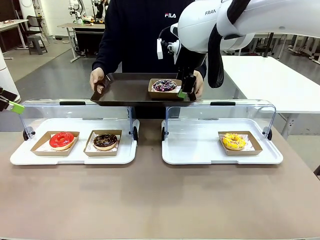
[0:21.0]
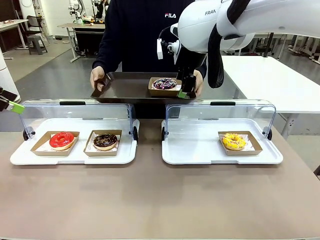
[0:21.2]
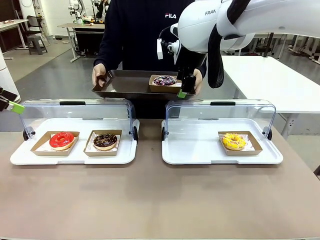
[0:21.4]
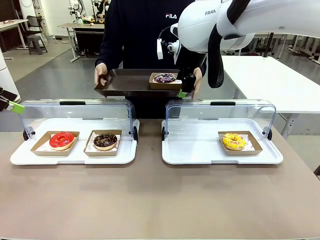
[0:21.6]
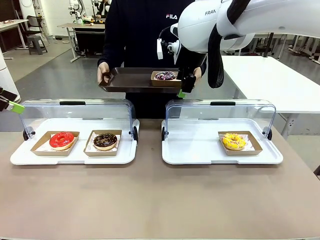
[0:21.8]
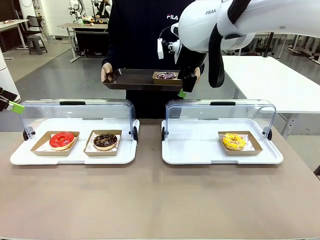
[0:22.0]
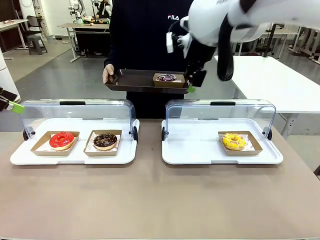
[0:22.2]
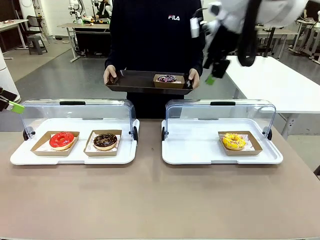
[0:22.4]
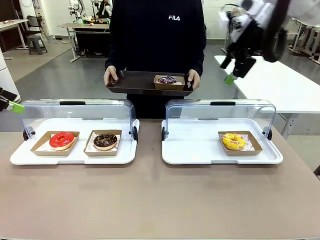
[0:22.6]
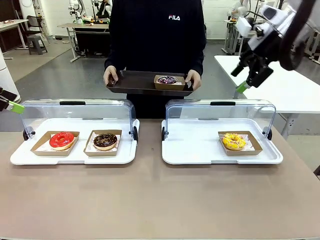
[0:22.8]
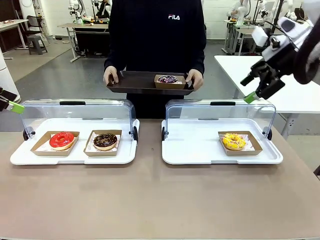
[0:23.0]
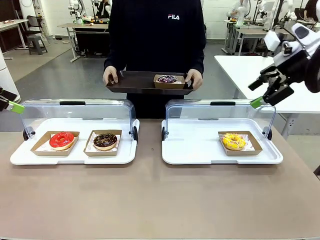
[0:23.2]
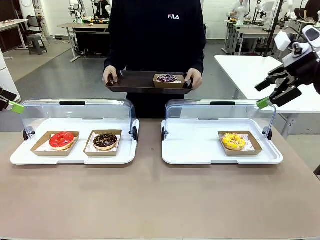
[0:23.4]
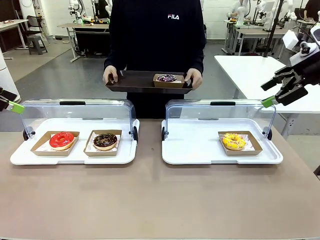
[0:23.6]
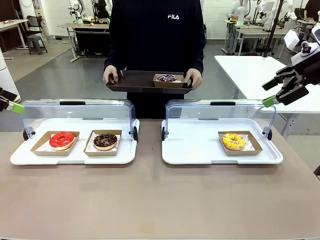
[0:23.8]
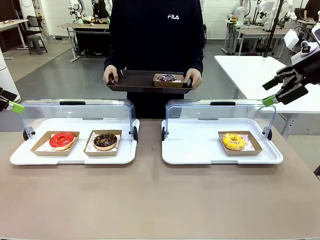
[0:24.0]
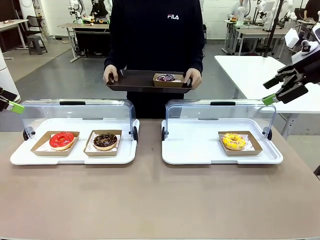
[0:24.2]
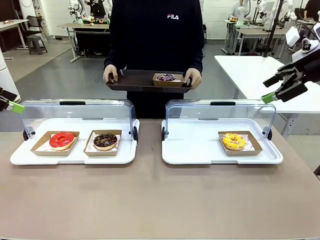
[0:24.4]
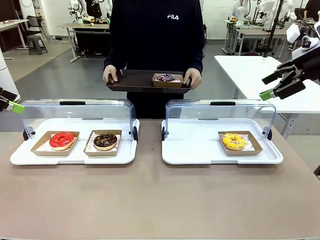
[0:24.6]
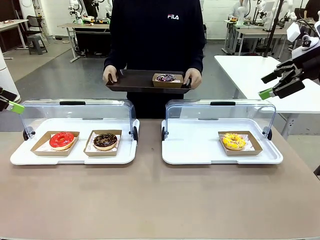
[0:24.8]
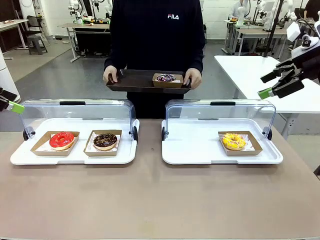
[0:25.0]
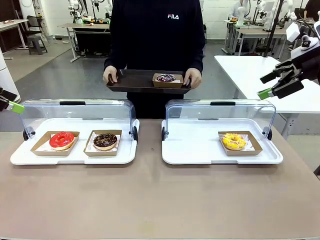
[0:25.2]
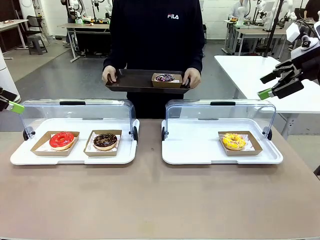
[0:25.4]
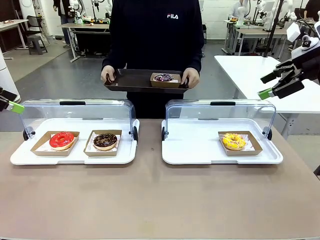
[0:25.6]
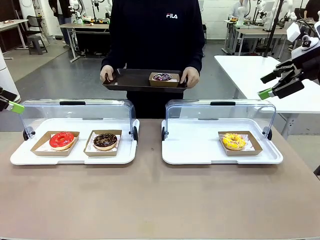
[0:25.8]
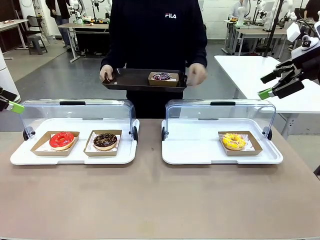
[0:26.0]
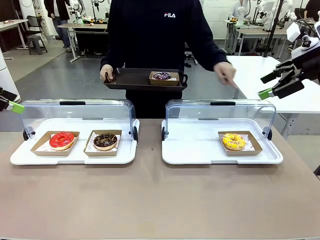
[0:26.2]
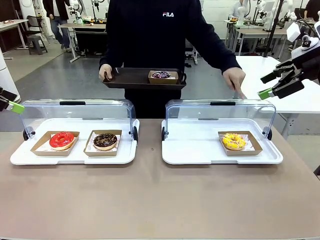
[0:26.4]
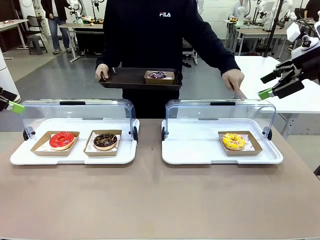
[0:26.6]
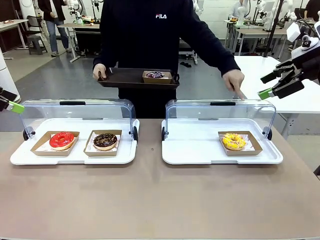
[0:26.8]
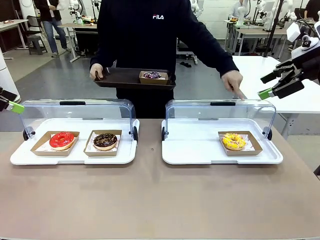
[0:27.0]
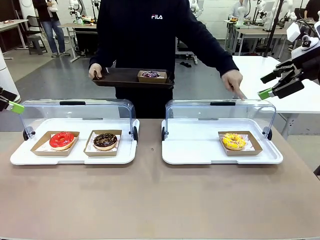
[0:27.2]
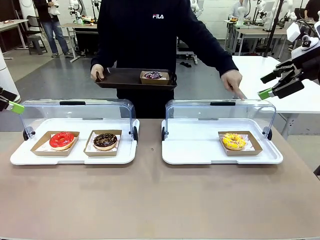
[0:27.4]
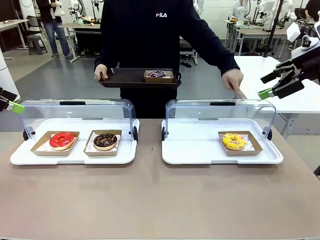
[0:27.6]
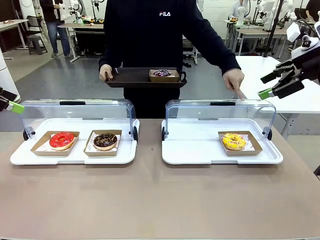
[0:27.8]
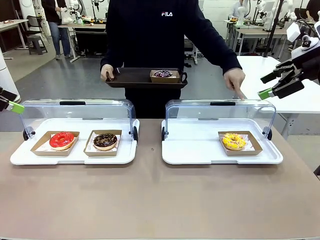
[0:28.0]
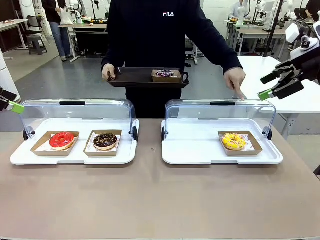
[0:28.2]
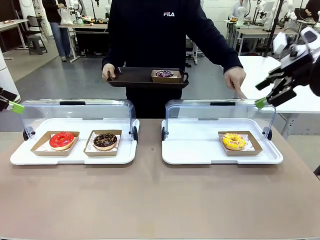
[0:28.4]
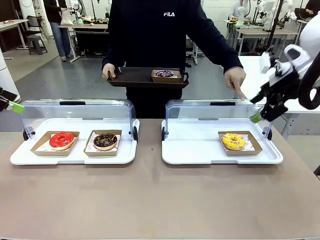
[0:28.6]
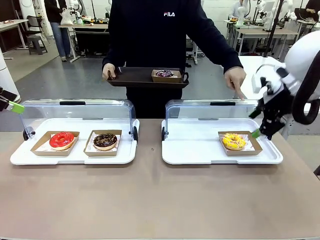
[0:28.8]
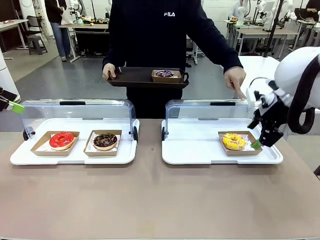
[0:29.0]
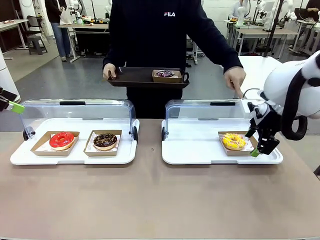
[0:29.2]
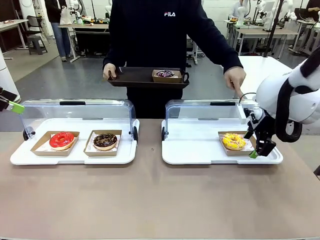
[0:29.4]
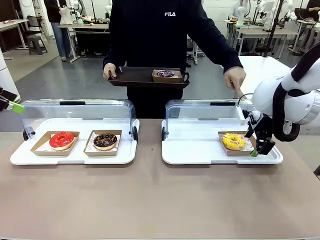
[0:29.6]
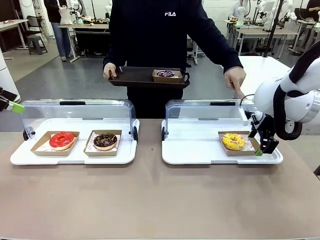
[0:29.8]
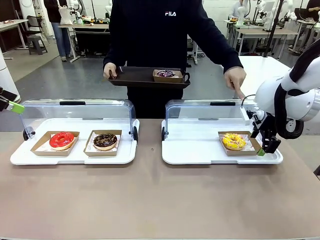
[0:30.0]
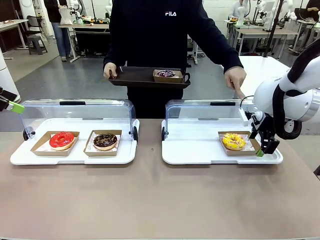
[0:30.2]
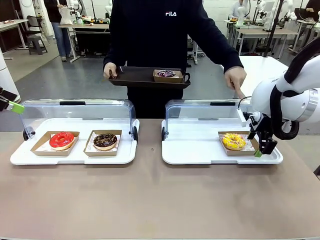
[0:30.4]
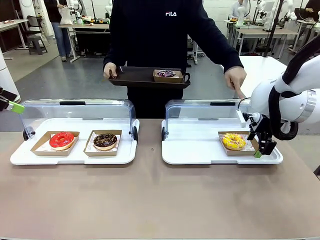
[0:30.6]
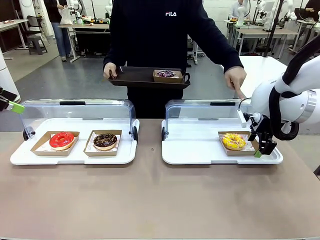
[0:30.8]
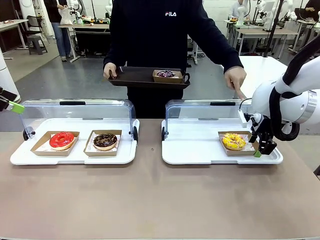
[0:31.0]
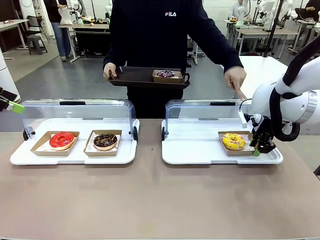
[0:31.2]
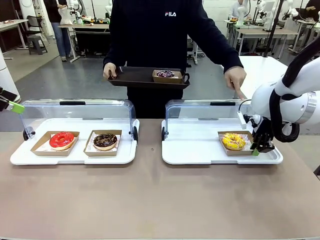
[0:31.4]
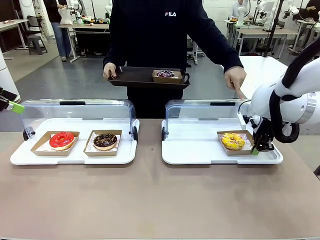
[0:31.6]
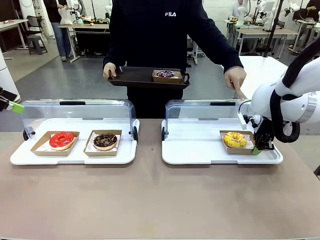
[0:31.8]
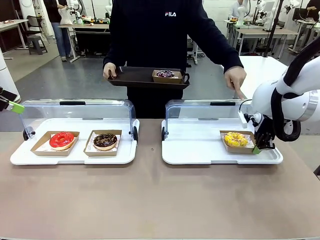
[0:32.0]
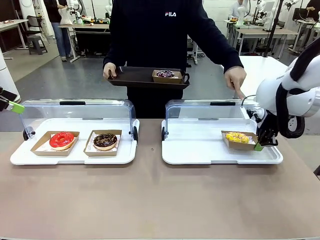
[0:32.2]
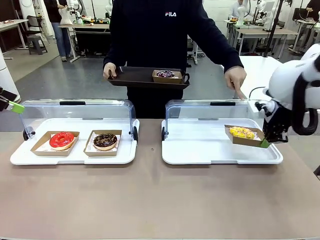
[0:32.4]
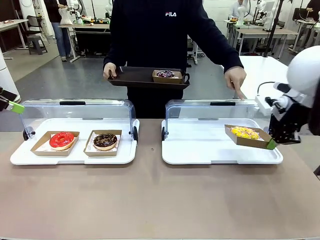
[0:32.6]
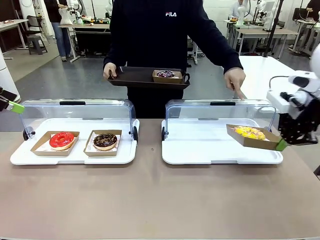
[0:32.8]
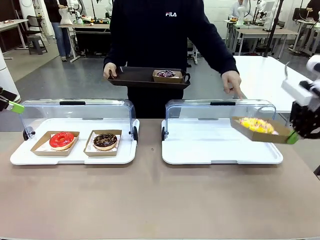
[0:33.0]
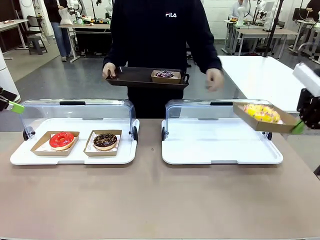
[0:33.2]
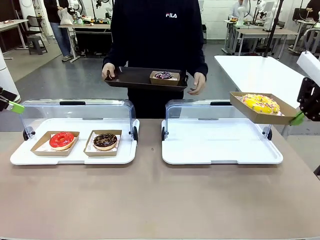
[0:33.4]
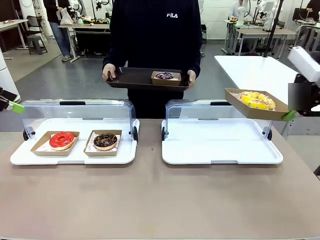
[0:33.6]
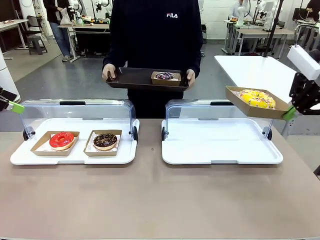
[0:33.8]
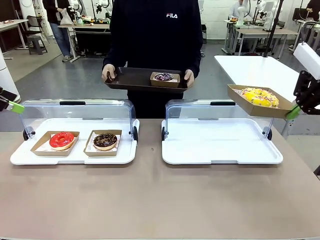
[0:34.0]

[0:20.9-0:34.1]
Task: Provide the desired donut to the person.
Robot: Pick up and lift the Paper togo box containing the Donut pointed at by the person.
Person: Point to one donut. Lift the tray onto the Roll-Top Bakery Case.

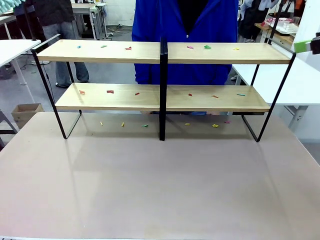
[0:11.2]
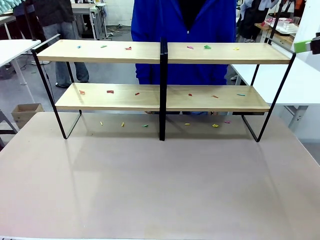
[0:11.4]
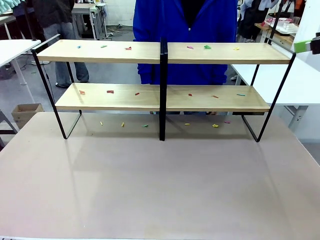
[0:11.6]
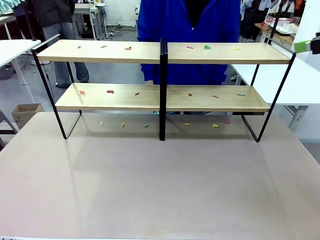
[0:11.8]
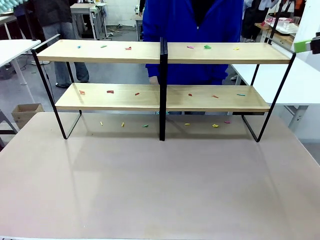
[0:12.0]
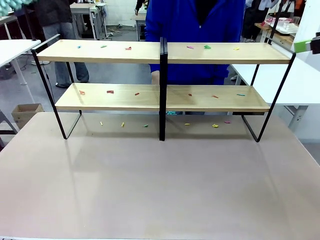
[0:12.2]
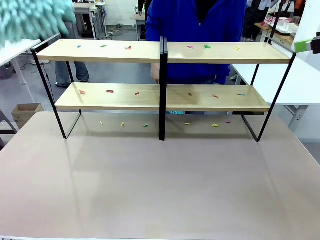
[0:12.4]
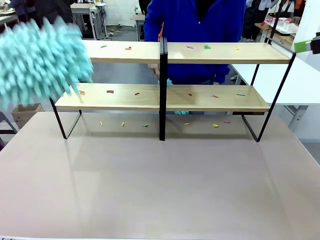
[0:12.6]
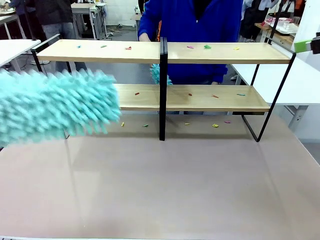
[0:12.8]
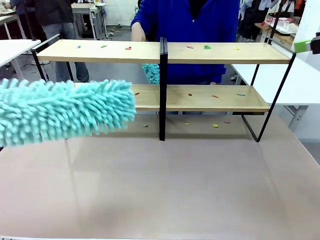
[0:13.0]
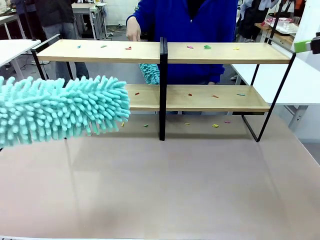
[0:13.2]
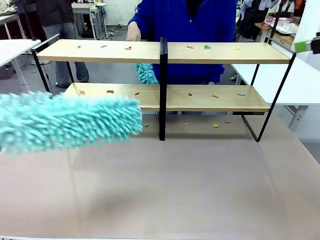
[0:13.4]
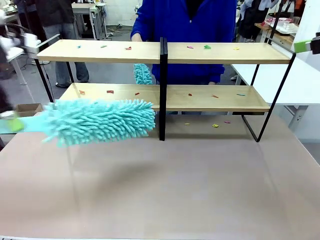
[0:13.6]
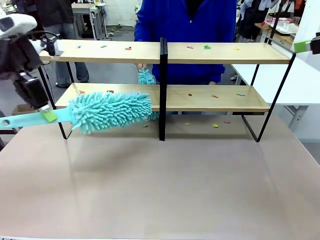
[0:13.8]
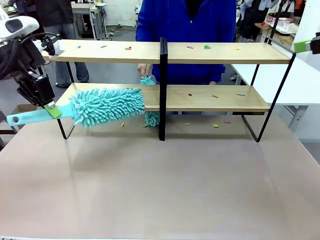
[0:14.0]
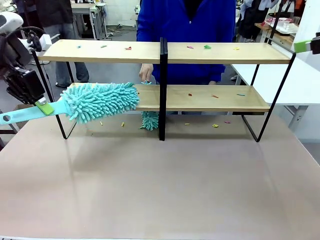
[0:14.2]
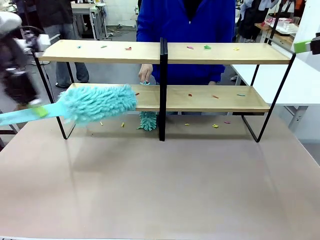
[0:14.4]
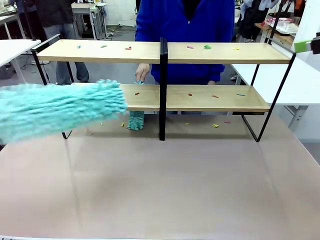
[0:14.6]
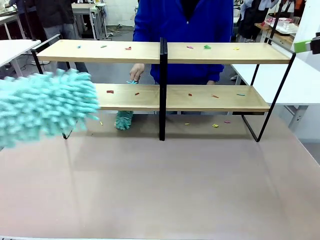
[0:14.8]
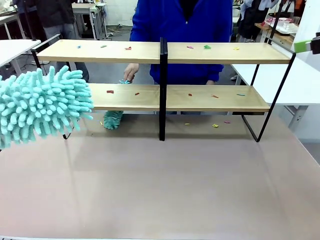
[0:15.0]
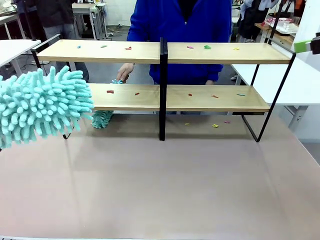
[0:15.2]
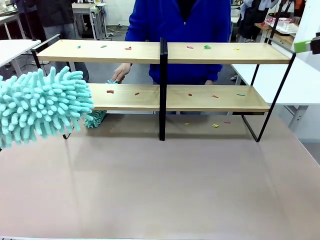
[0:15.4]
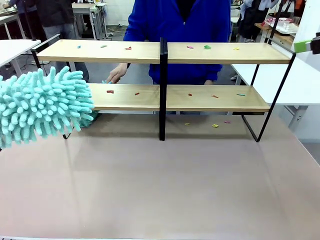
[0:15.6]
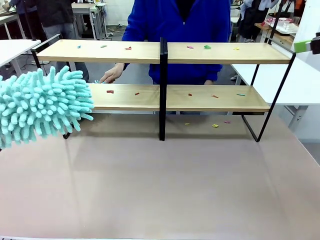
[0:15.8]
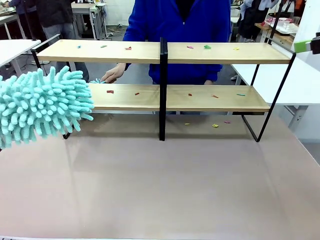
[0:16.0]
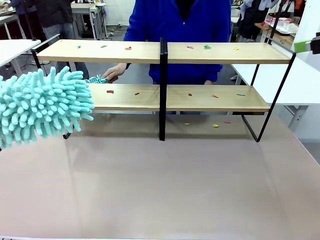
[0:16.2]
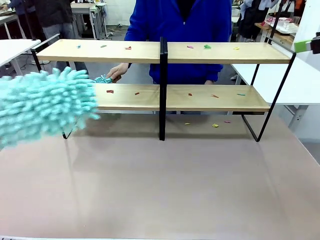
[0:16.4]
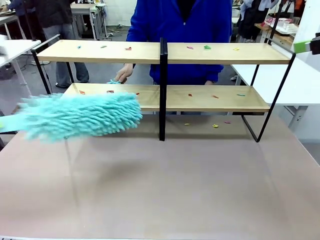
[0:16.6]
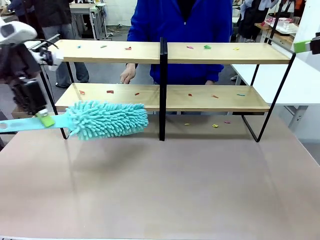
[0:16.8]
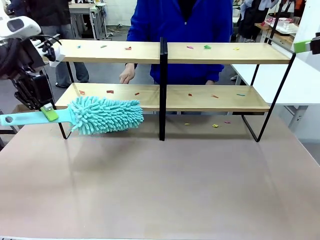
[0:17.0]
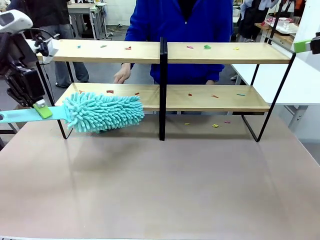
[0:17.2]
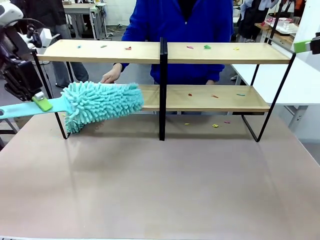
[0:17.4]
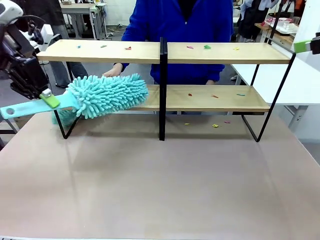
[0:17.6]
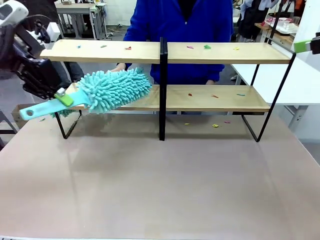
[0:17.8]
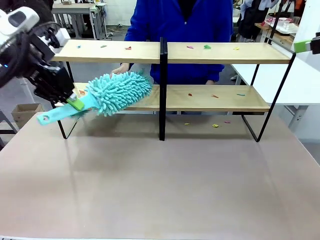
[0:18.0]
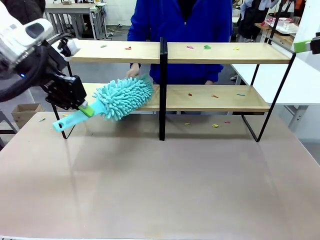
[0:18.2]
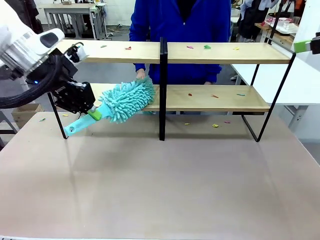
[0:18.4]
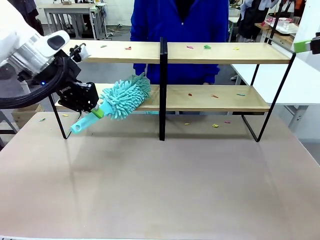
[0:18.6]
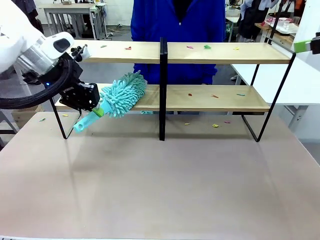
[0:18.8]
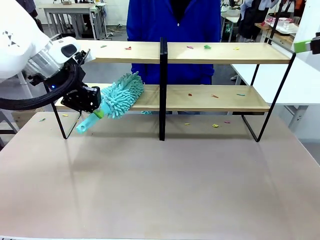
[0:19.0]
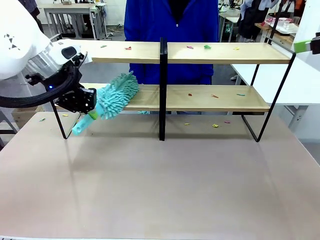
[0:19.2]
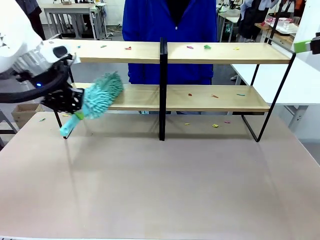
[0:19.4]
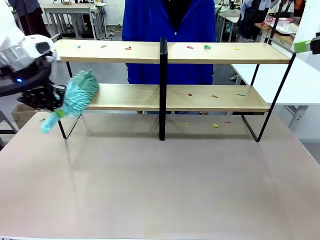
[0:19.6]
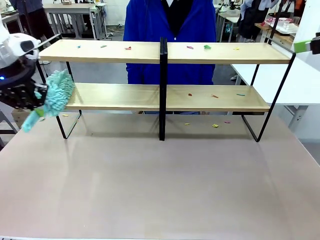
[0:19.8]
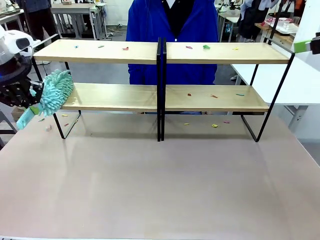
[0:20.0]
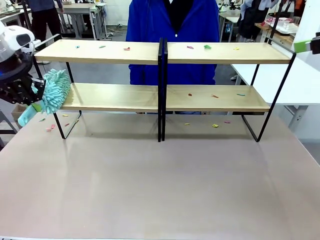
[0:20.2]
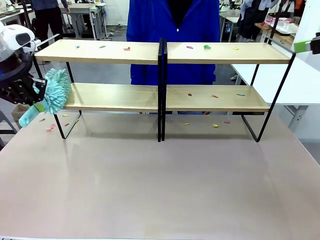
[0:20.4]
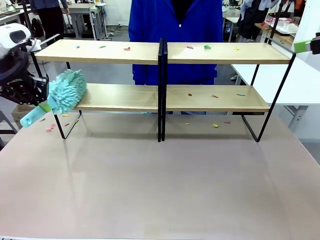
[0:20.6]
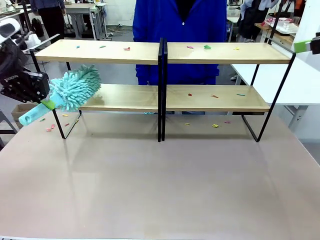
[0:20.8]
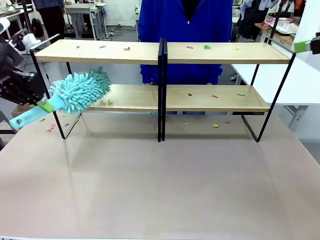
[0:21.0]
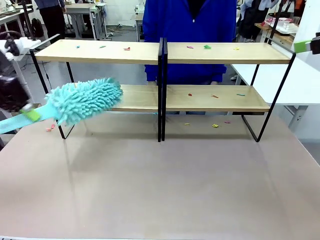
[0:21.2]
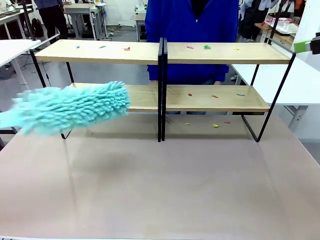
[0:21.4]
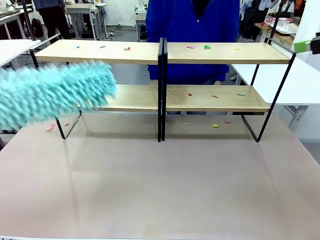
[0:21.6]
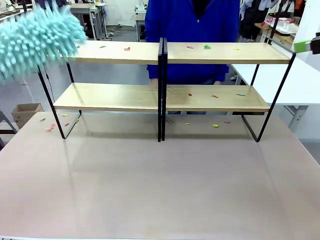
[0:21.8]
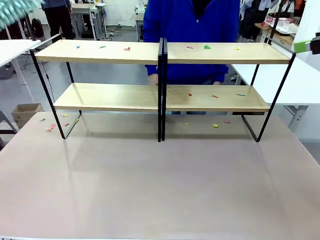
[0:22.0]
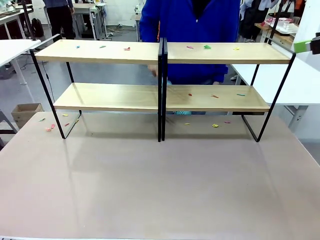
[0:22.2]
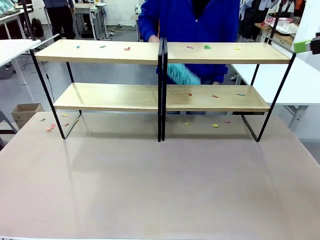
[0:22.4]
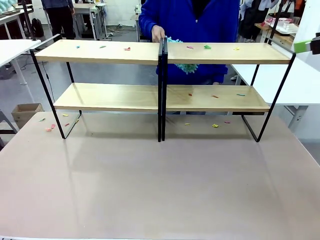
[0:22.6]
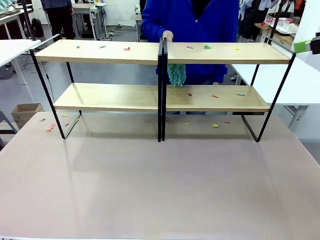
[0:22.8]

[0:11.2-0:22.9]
Task: Clean the shelves.
Robot: Clean a randomly selected level of the Shelf with the Duster.
